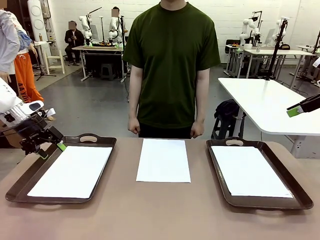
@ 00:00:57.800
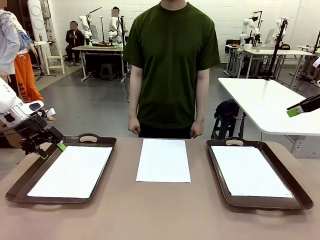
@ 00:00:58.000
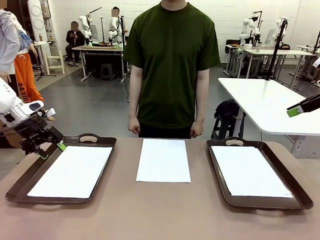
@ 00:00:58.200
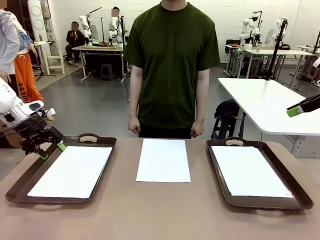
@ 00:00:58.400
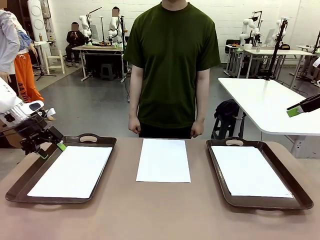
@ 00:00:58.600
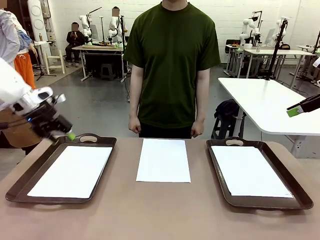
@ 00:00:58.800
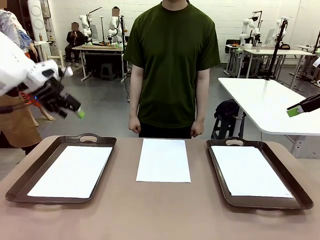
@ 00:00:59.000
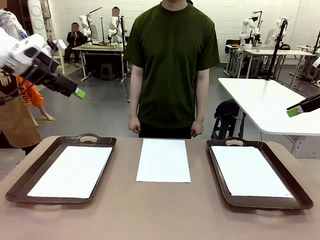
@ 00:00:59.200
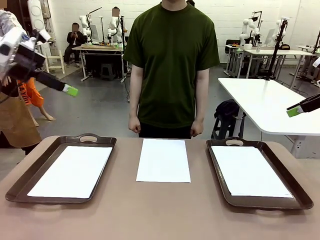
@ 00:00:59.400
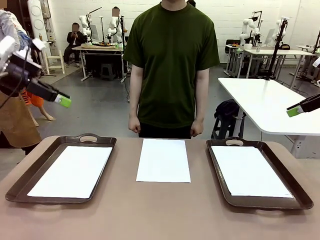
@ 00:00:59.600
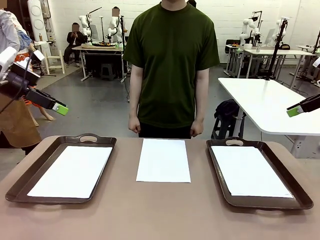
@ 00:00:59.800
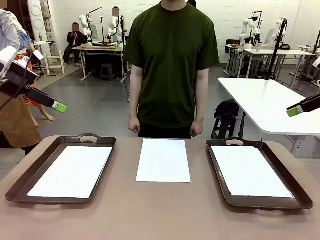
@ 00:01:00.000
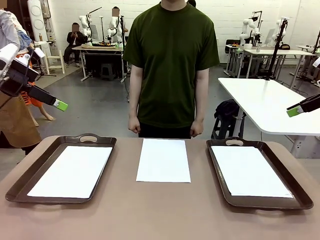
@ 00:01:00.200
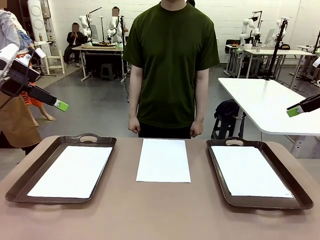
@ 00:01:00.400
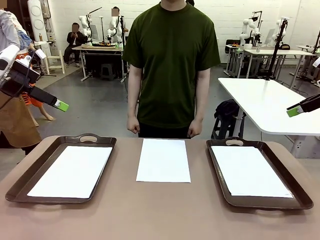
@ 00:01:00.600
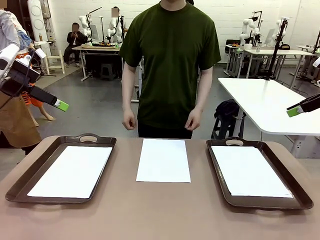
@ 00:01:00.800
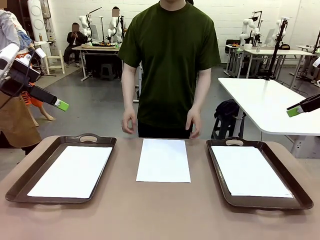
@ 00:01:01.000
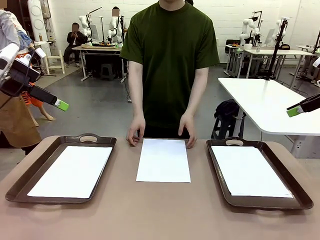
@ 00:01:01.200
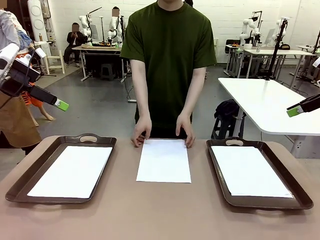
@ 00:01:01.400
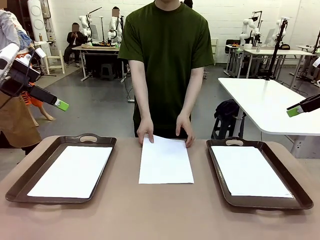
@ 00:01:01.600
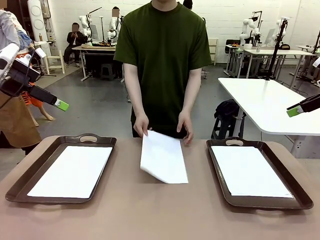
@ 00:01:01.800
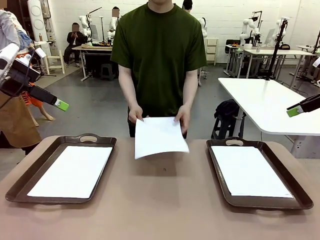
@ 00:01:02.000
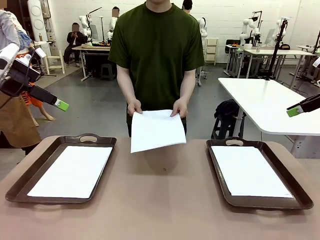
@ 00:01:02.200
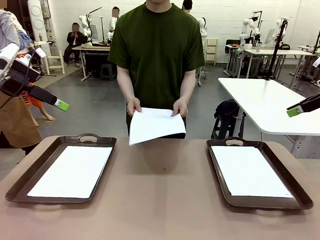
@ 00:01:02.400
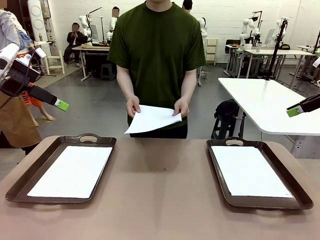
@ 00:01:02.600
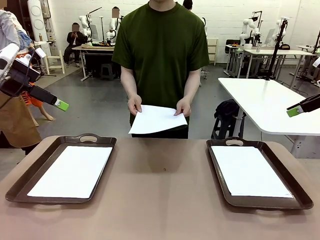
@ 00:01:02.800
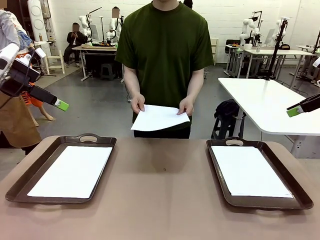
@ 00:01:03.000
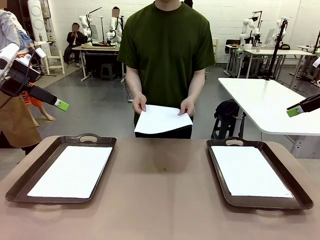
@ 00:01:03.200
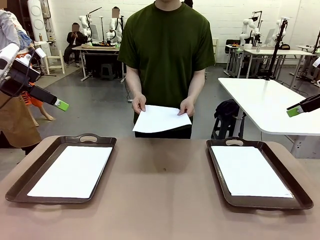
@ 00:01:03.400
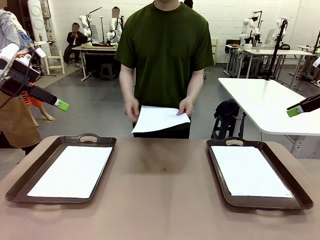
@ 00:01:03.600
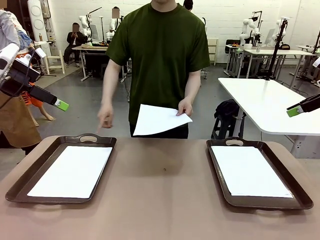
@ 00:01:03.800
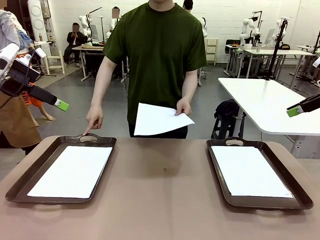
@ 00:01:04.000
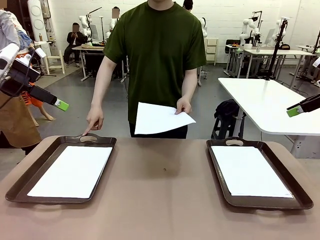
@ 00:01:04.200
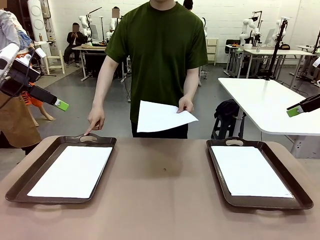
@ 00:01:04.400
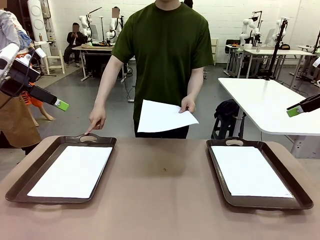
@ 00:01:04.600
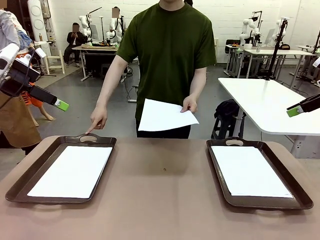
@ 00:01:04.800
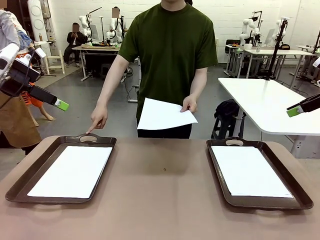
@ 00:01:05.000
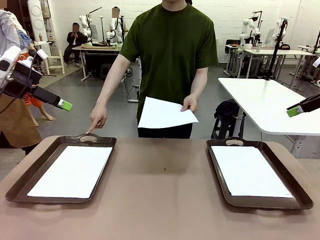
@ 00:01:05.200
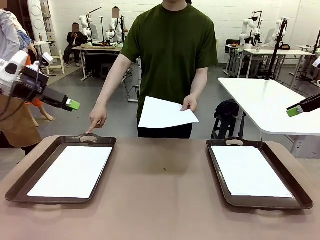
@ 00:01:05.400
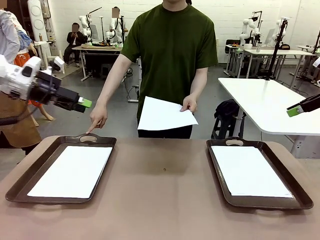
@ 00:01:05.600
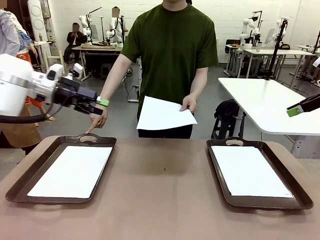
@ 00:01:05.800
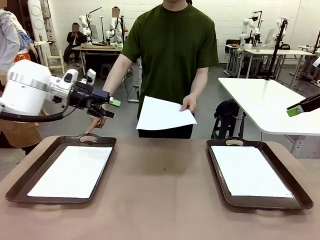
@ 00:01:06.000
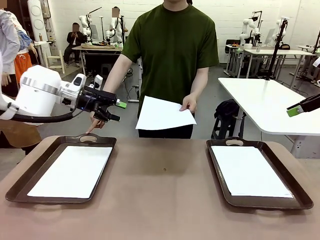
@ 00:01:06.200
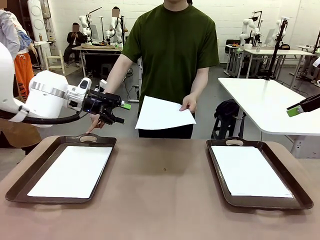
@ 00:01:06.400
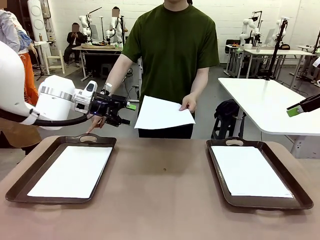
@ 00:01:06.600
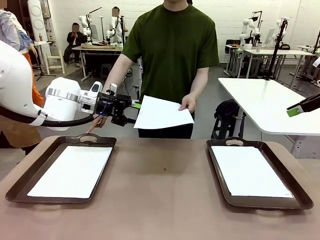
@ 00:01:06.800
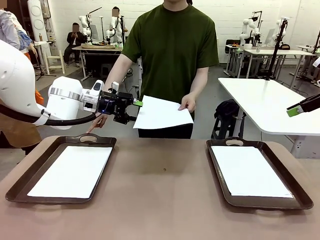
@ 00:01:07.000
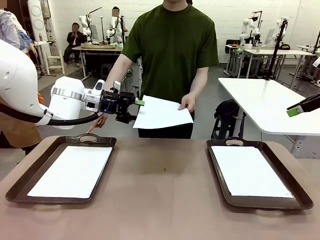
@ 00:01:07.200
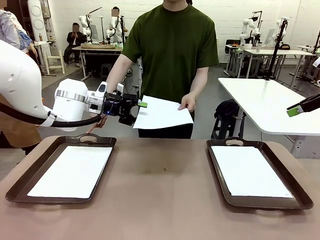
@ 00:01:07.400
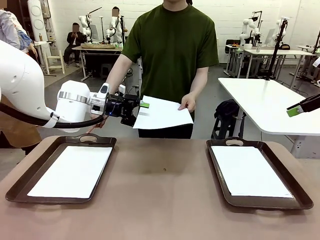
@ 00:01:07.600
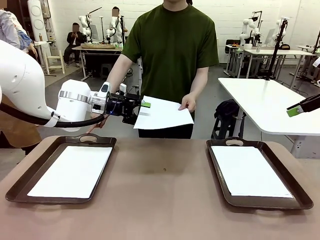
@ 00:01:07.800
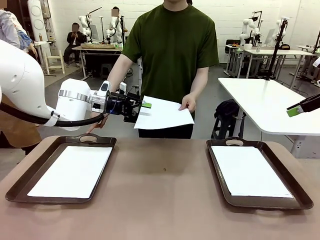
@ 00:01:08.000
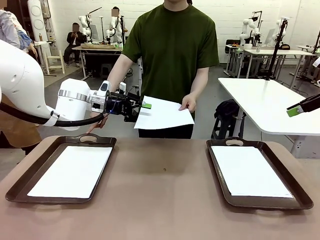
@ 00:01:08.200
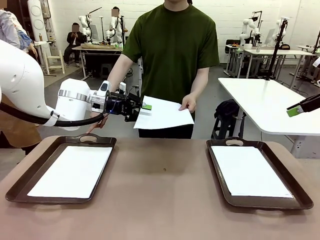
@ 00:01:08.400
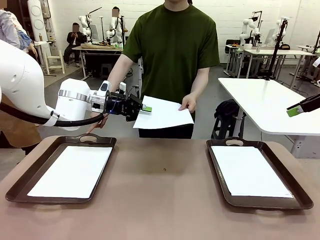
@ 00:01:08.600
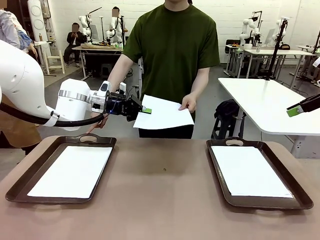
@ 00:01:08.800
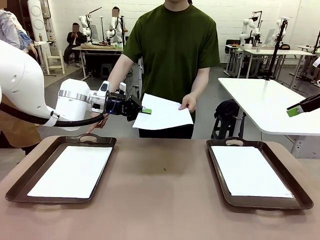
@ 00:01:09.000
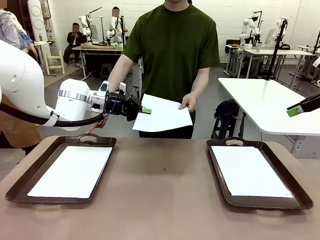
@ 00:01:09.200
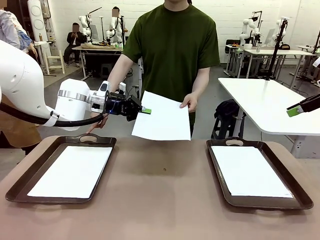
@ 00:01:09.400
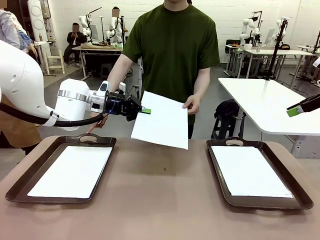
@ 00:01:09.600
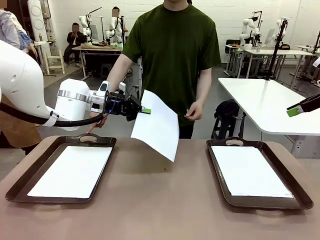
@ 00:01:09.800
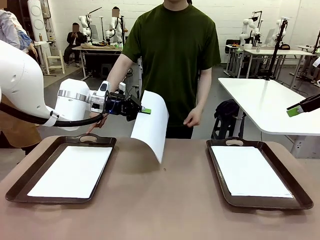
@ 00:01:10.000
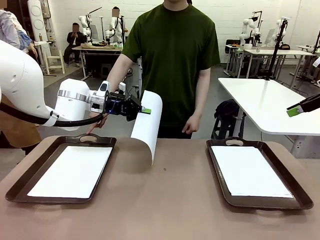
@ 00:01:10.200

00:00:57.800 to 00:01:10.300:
Task: Sort the A4 documents.
Robot: Receive the A4 Paper.
Person: Point the randomly selected tray with the other hand.

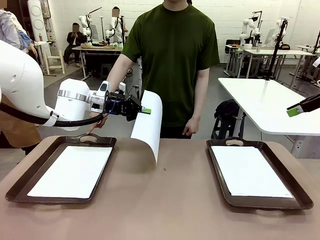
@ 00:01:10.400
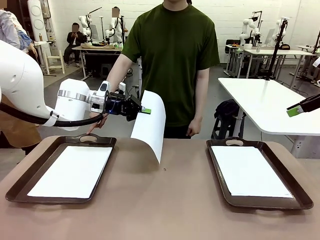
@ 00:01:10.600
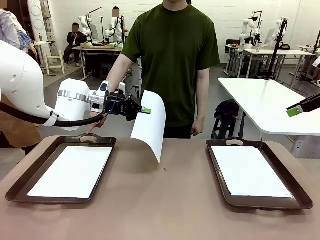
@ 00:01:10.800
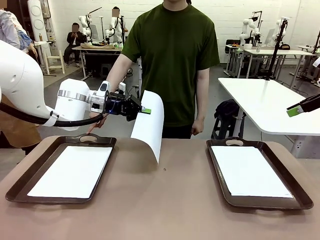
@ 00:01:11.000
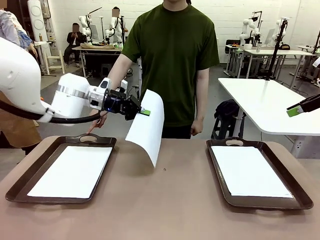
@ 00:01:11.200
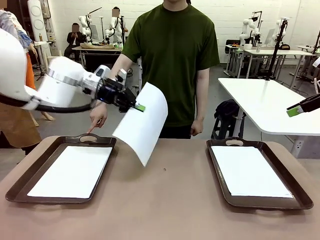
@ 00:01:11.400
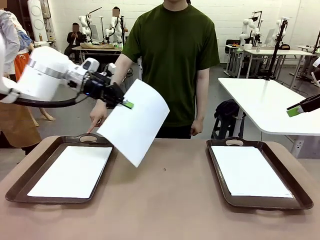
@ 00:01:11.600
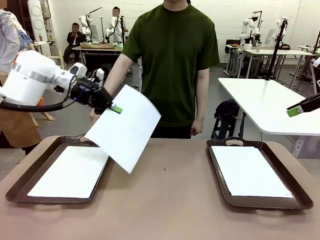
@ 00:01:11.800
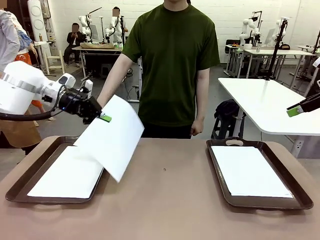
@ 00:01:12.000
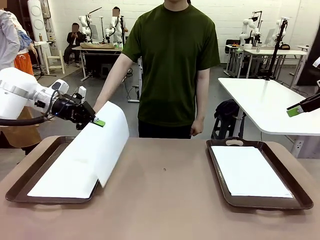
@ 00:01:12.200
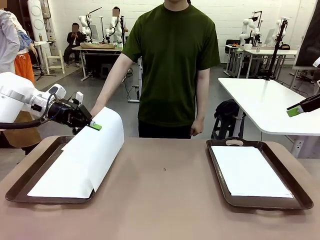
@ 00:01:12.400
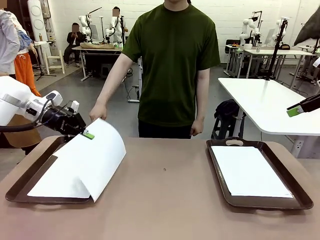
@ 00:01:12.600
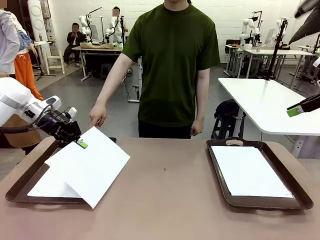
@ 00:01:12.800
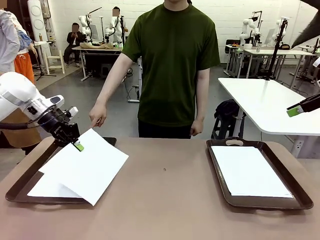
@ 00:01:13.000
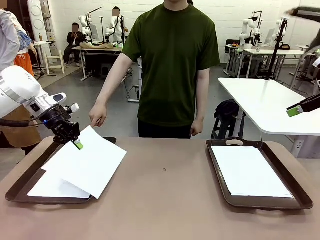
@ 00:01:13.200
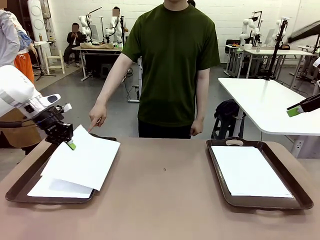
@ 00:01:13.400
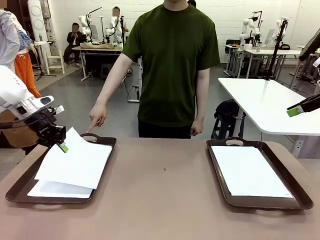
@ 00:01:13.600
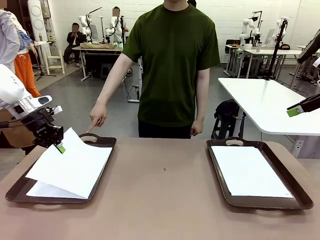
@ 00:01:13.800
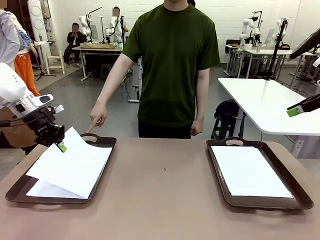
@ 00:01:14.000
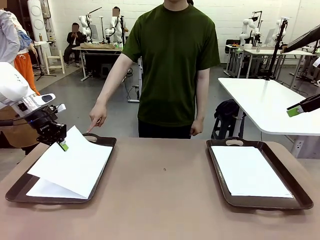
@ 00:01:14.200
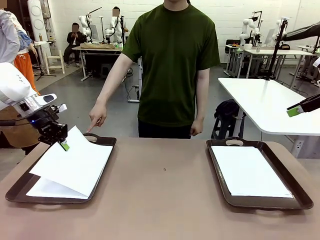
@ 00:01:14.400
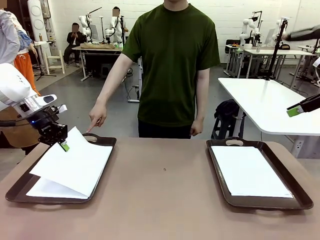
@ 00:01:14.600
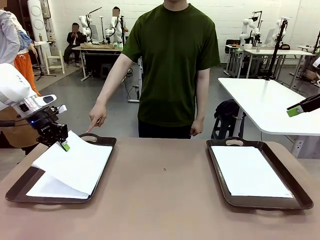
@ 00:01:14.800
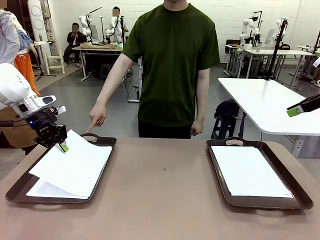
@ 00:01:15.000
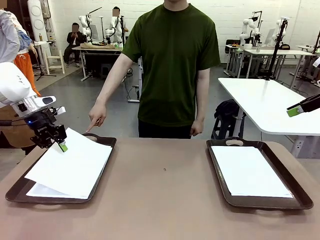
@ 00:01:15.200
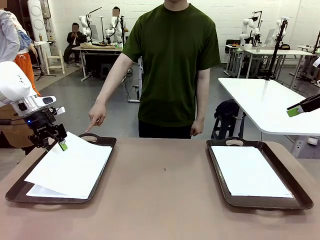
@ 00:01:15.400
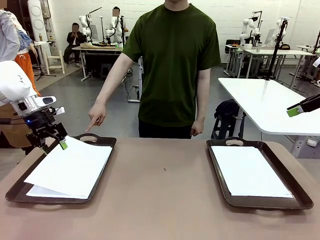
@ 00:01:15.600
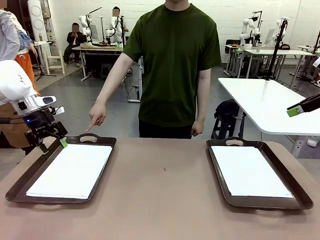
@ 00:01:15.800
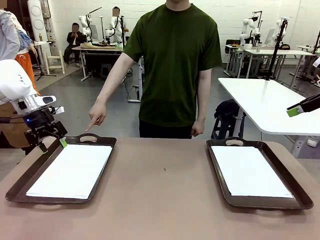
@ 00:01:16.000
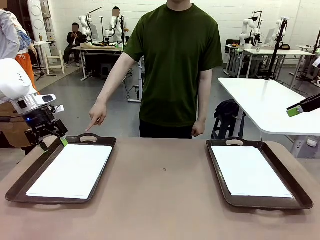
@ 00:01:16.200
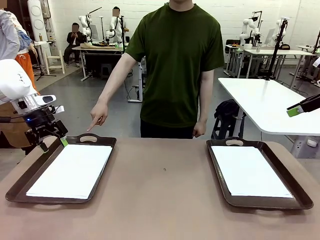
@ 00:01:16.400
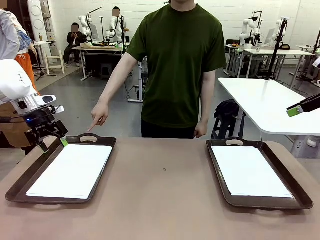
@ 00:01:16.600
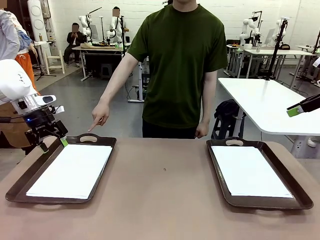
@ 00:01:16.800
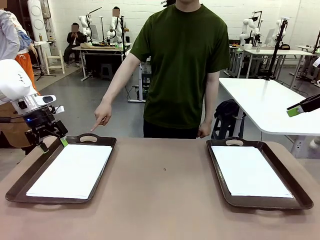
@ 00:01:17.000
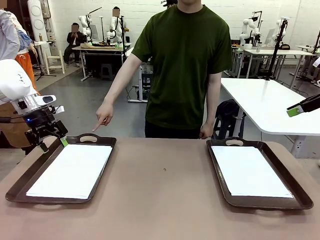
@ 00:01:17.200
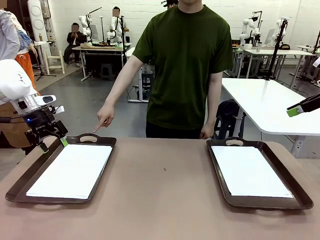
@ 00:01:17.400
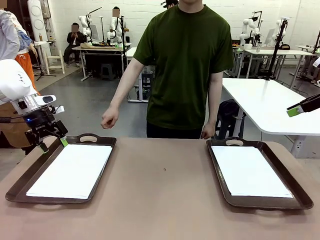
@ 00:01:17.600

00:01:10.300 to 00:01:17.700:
Robot: Place the A4 Paper in the designated Handle tray.
